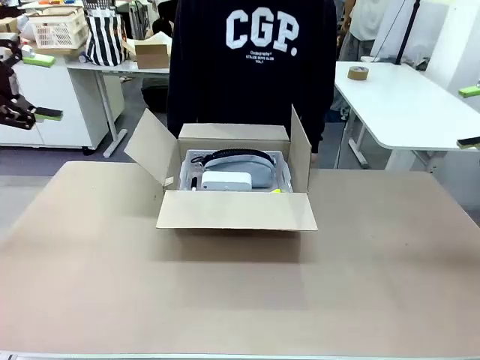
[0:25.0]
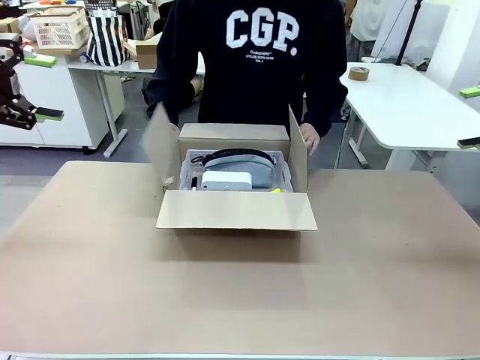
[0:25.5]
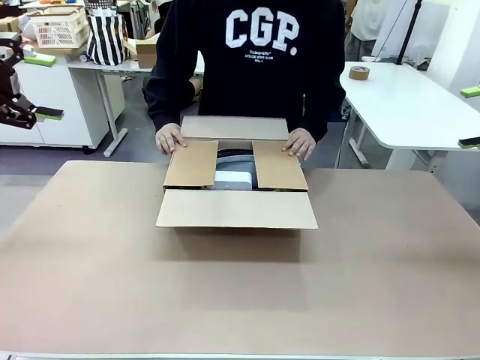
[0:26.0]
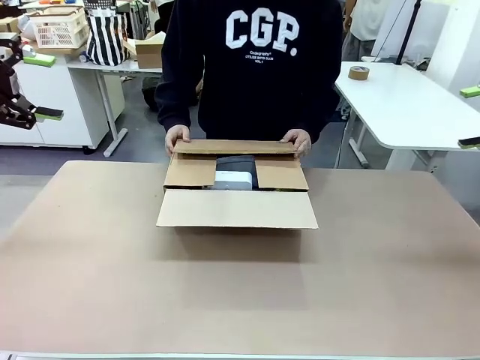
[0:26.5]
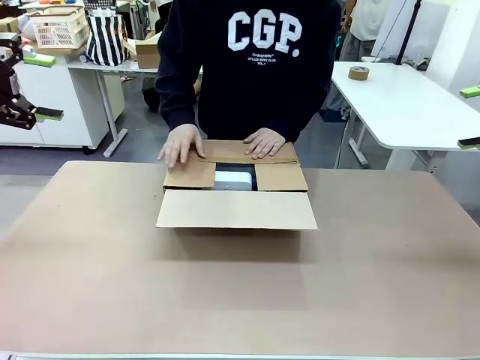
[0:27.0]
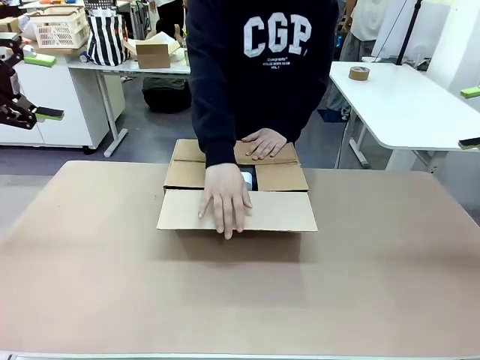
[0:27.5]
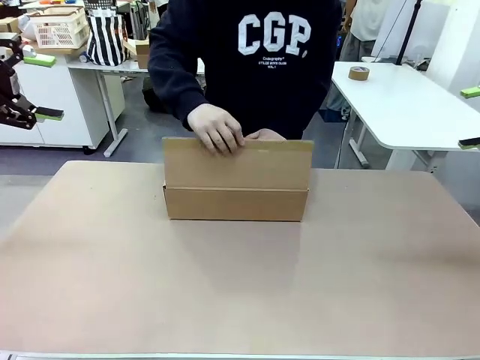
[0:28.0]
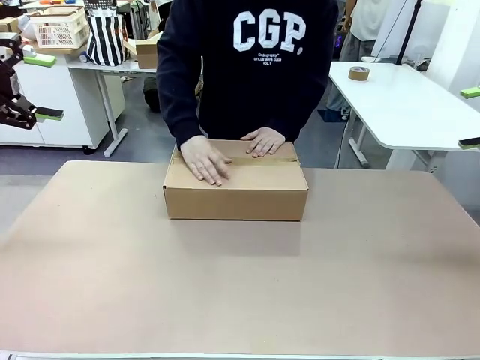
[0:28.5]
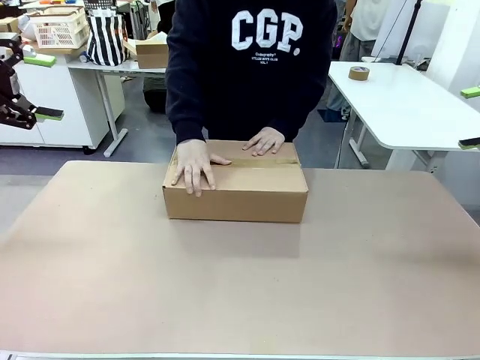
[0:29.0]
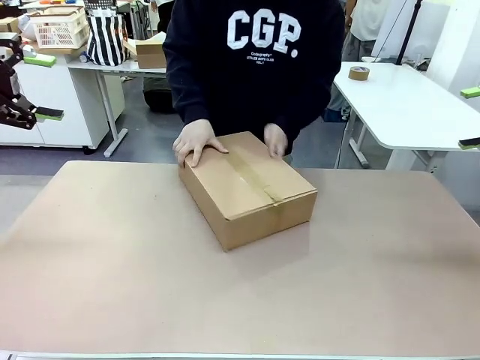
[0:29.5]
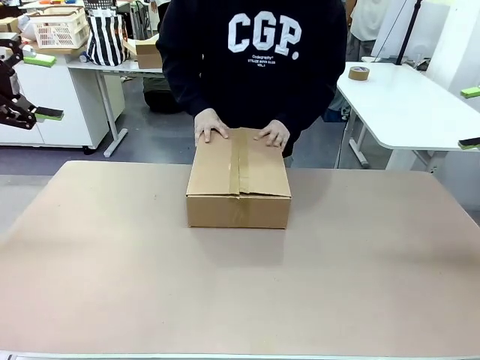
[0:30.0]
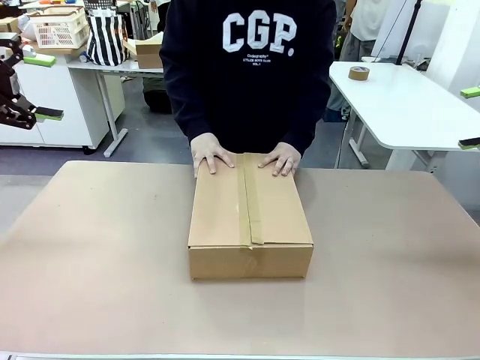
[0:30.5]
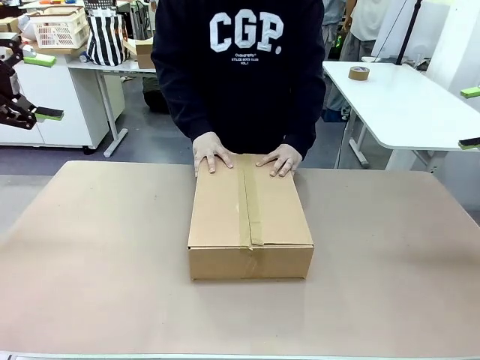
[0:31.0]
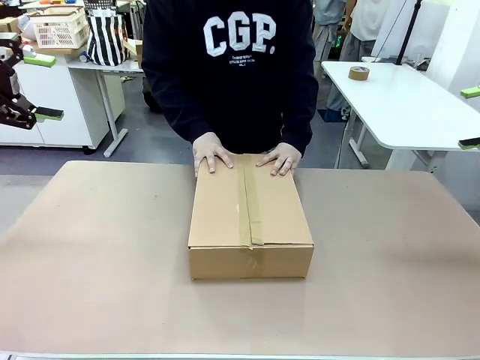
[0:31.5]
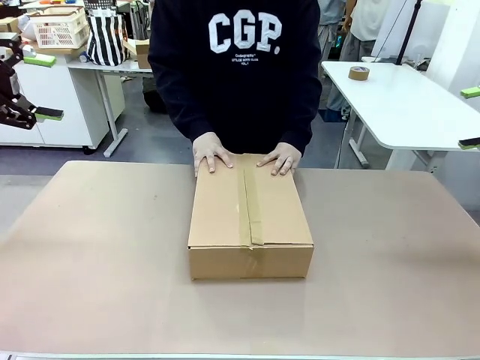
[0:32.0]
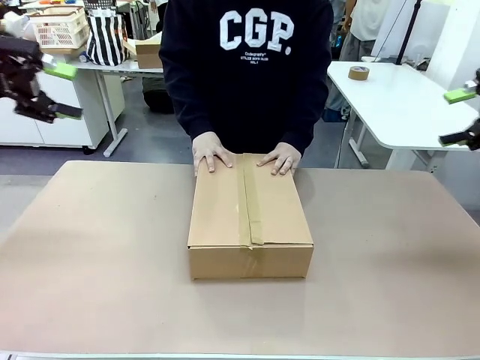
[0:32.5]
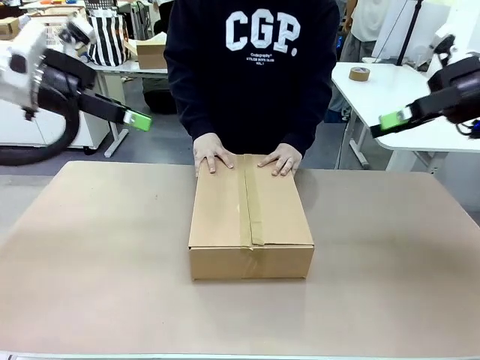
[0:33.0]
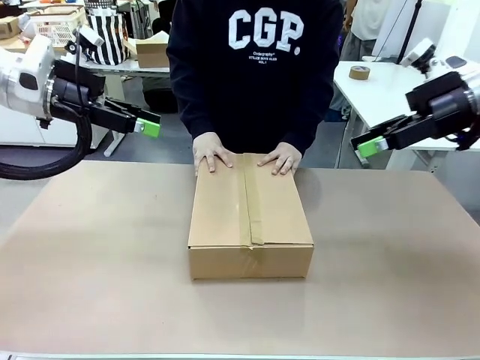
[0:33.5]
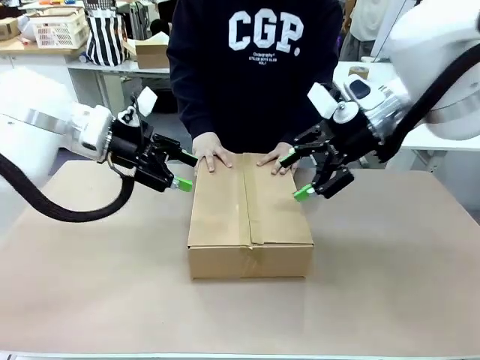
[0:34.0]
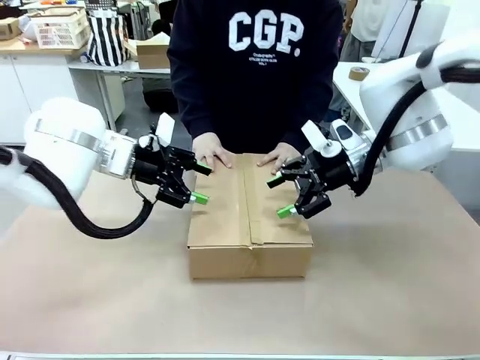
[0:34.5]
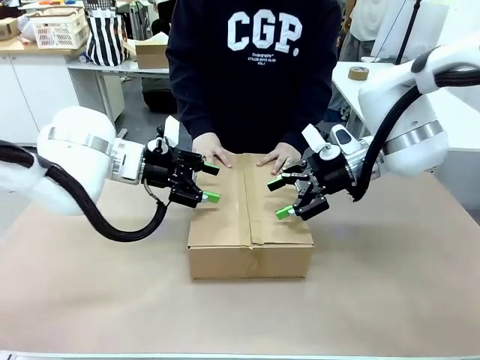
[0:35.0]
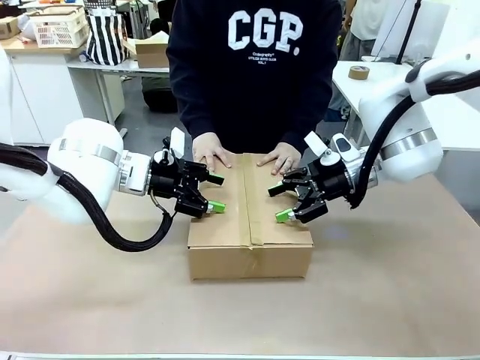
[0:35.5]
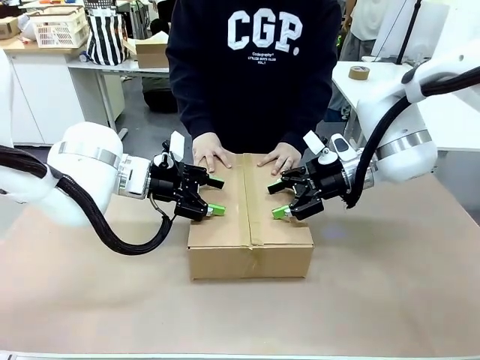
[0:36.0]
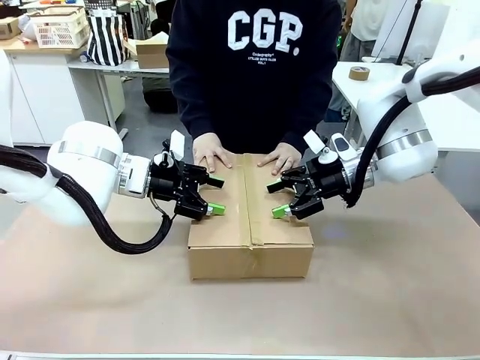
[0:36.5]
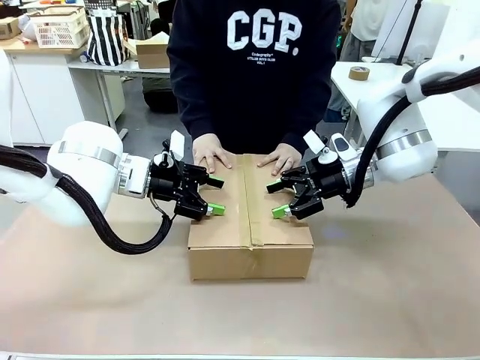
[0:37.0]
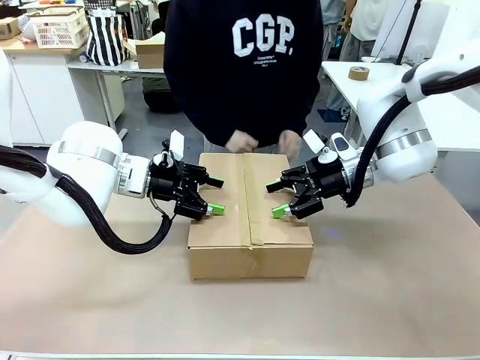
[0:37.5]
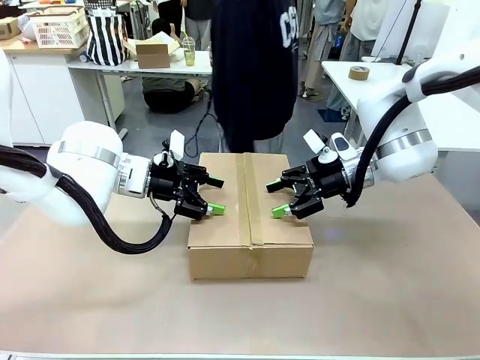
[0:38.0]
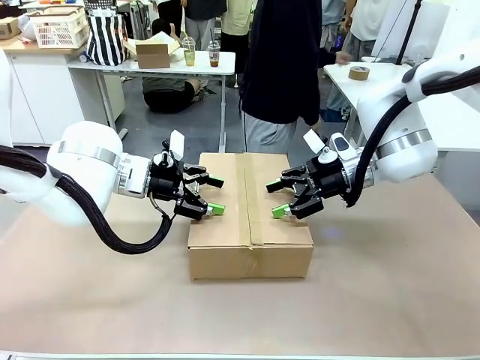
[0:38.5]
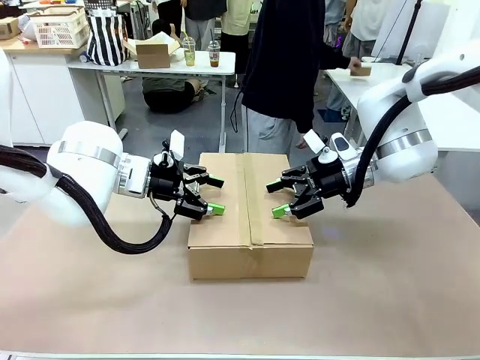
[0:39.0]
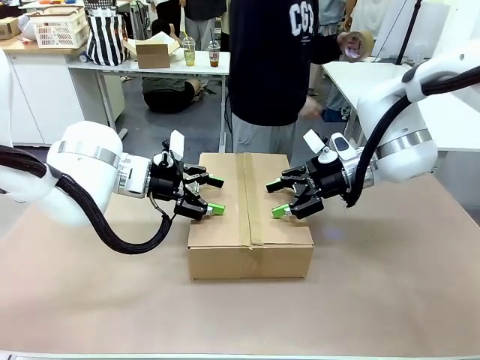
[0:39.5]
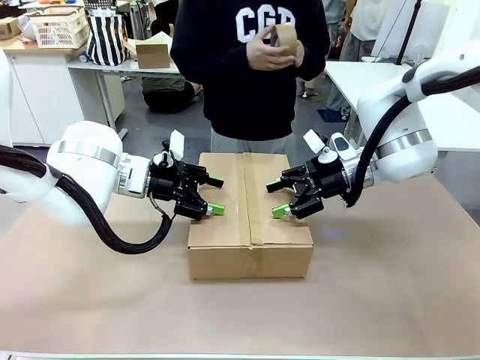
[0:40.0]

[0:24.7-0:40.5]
Task: Pack the gift set into the box.
Robot: Press and hold the closed box until the human finishes sealing it.
Person: The human closes the box and rotates the box by 90 degrees.

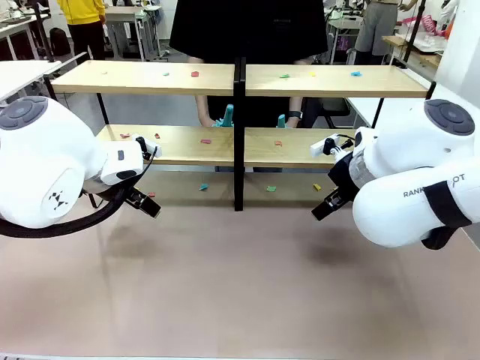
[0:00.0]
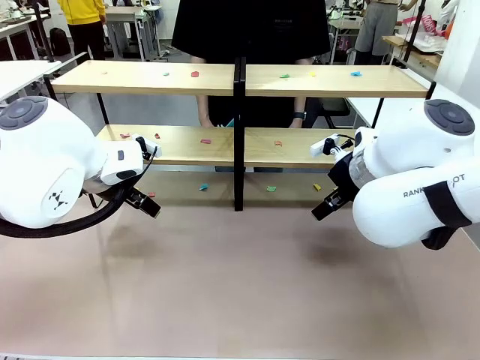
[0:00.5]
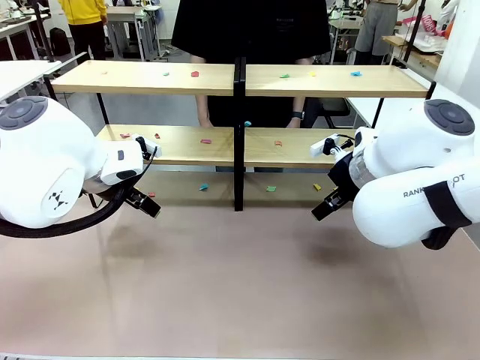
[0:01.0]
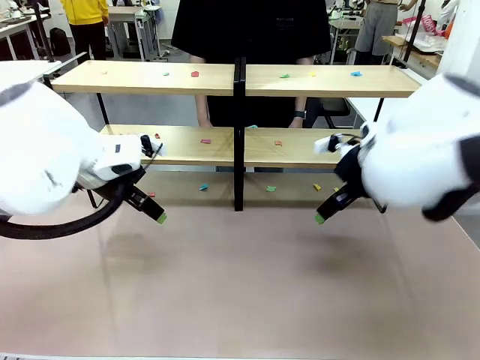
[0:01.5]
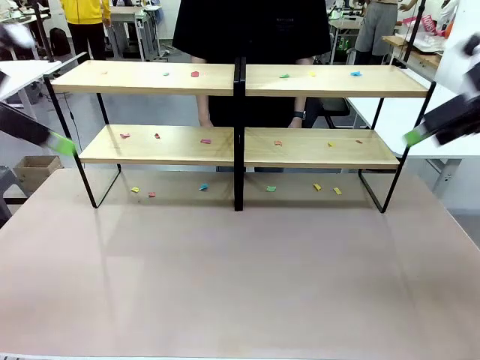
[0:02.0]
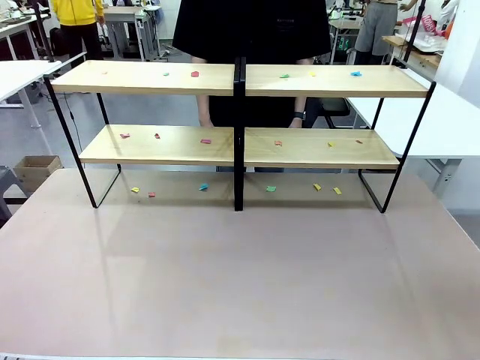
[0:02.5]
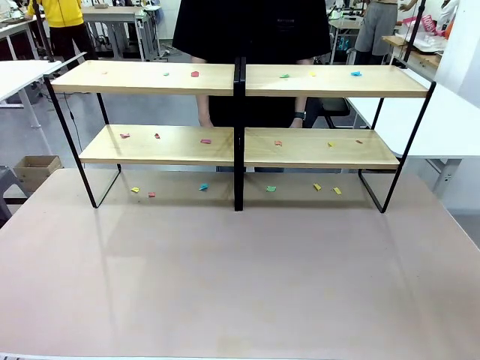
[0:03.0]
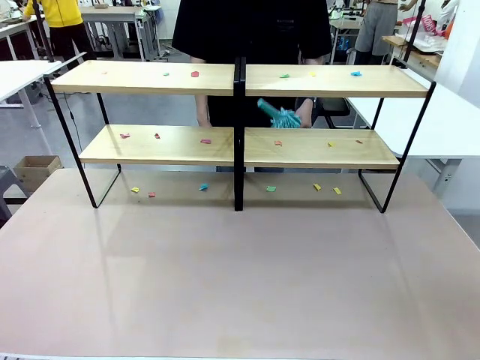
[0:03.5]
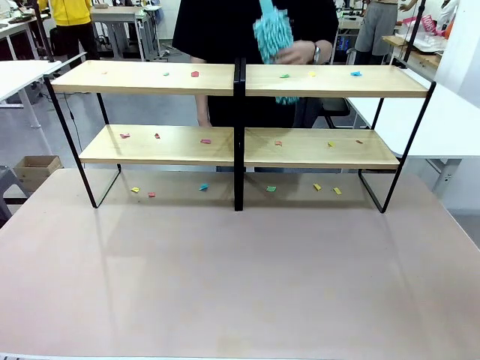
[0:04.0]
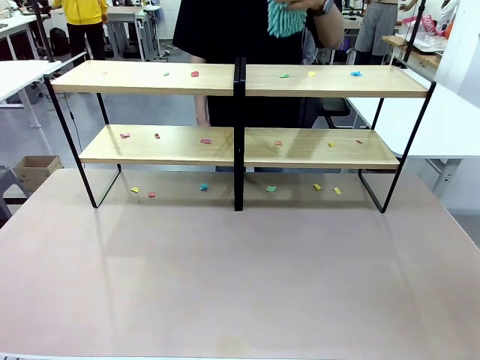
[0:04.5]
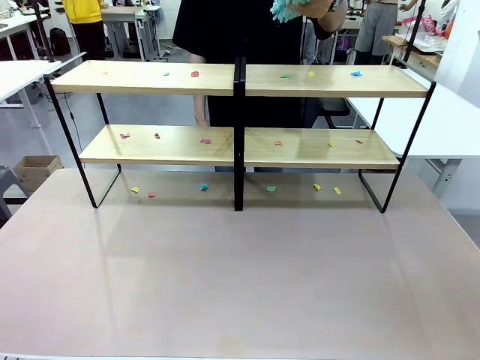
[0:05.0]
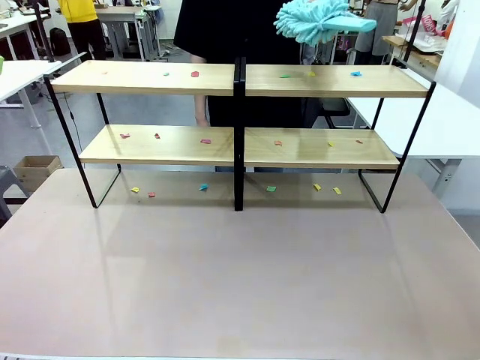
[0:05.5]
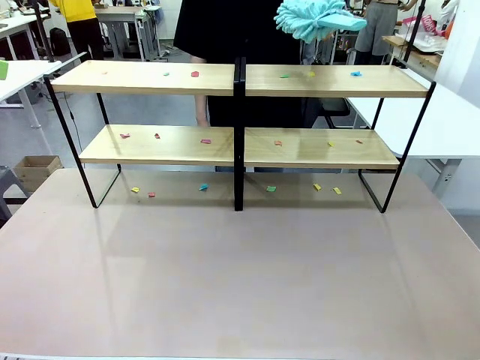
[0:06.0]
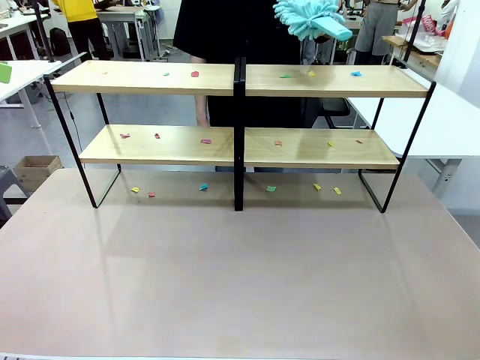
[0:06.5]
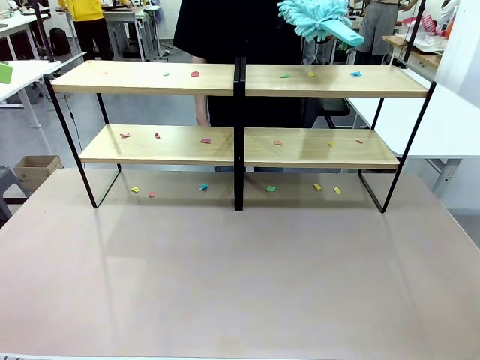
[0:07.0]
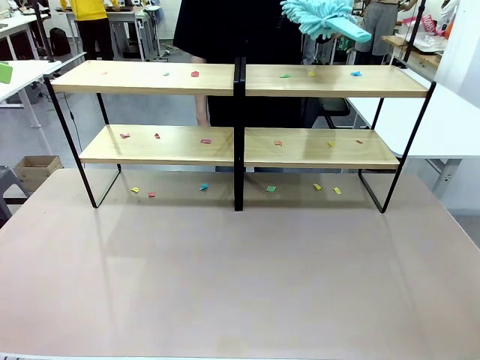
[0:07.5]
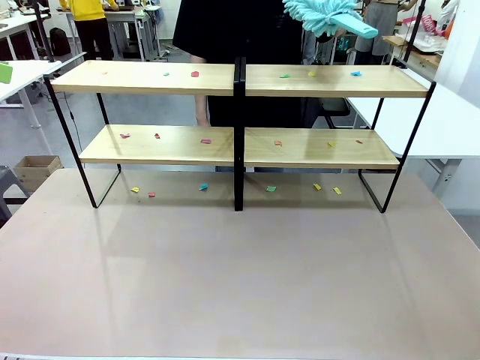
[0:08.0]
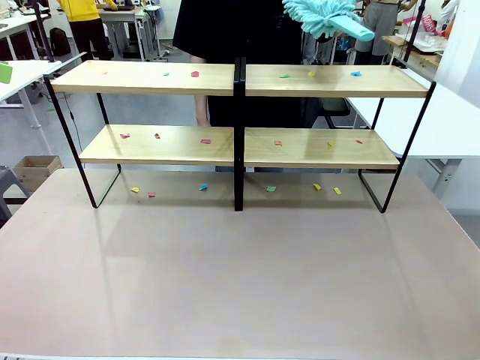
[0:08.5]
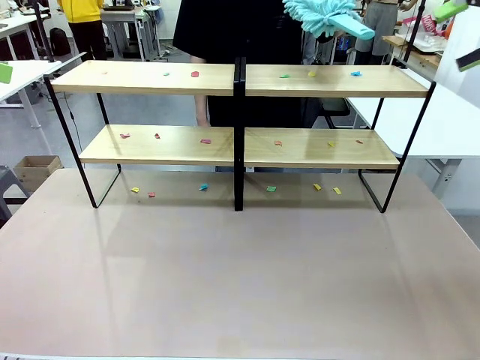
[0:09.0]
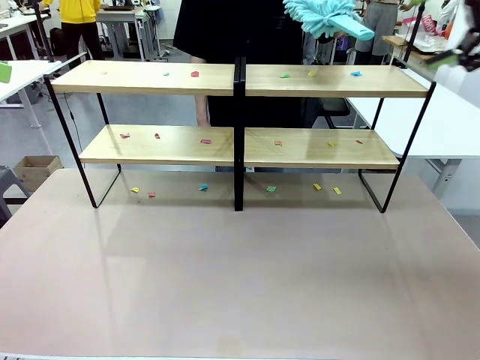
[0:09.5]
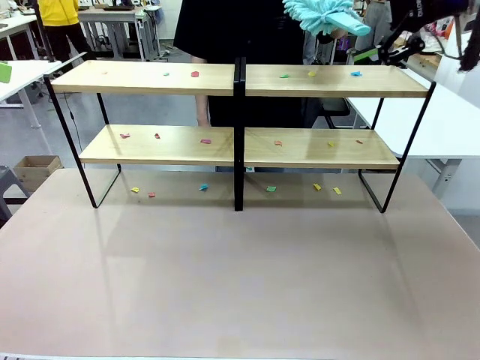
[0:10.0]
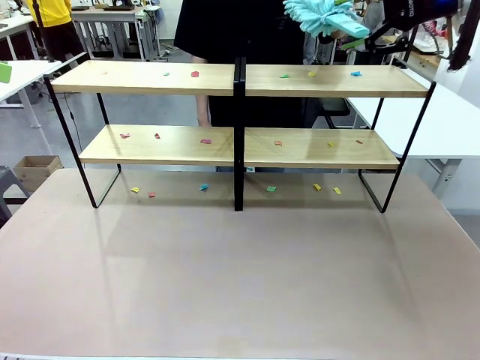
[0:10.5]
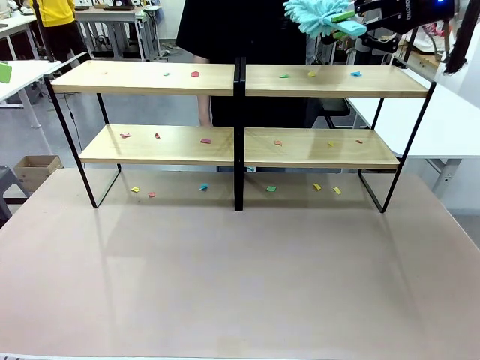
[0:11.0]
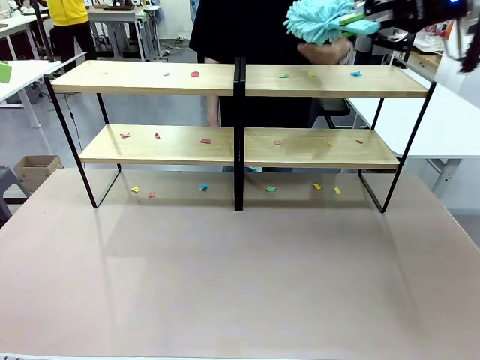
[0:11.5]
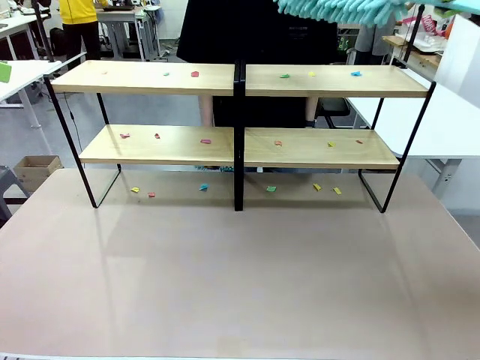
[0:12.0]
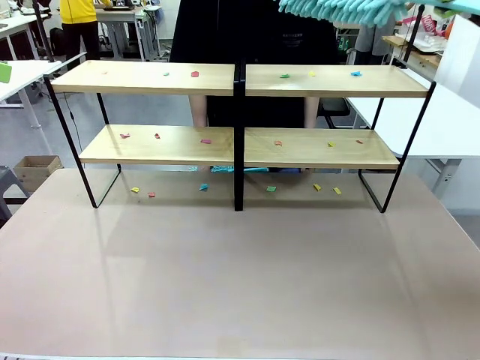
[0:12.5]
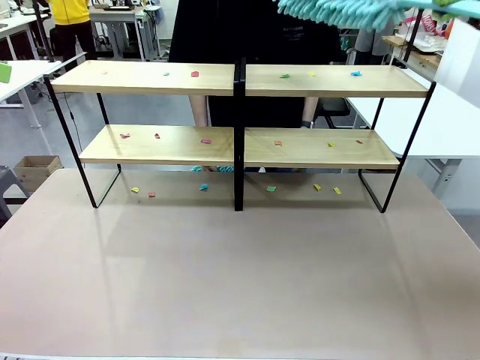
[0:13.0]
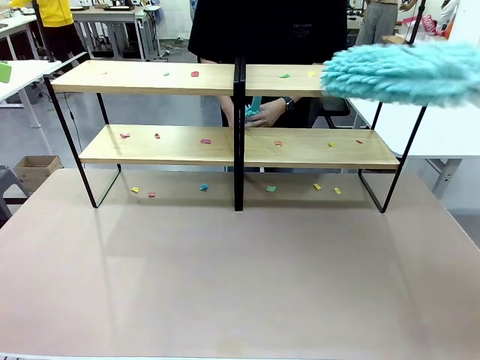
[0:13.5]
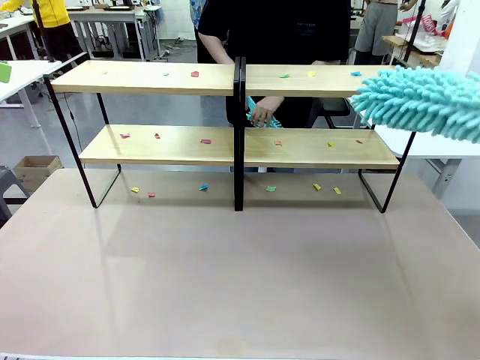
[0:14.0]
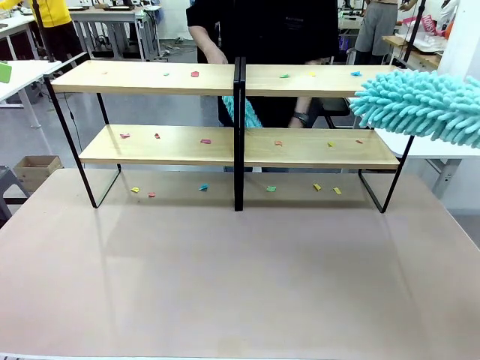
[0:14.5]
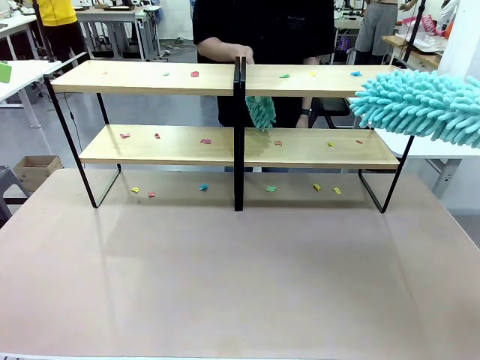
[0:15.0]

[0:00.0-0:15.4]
Task: Clean the shelves.
Robot: Pick up the Duster when the human hands it over.
Person: Hand the Duster to the robot with your right (or left) hand.
